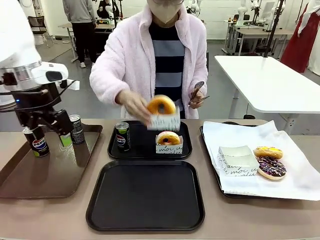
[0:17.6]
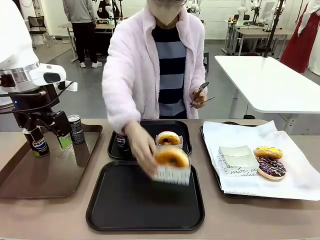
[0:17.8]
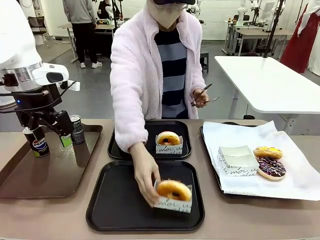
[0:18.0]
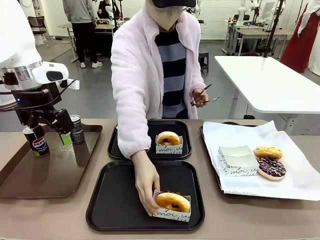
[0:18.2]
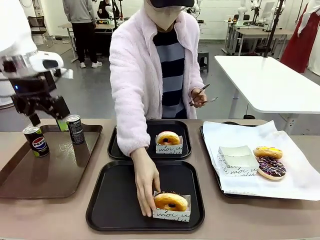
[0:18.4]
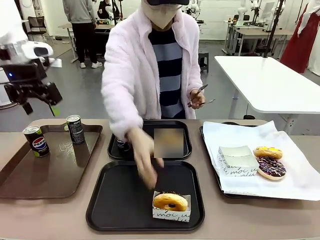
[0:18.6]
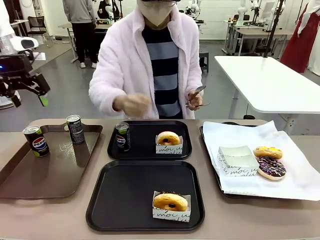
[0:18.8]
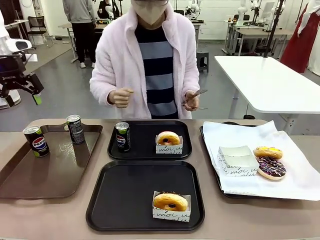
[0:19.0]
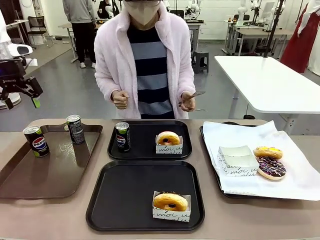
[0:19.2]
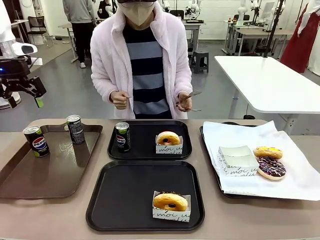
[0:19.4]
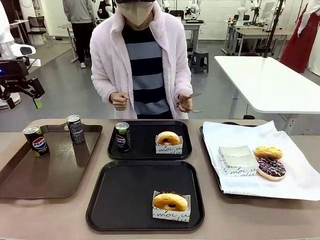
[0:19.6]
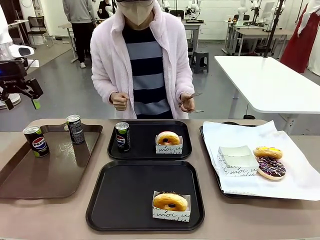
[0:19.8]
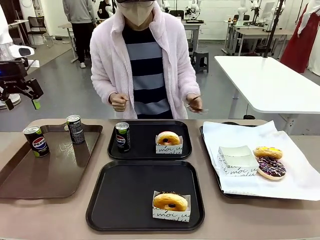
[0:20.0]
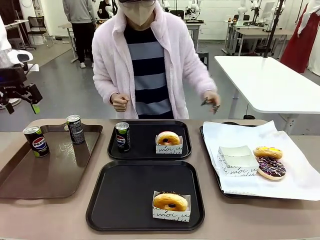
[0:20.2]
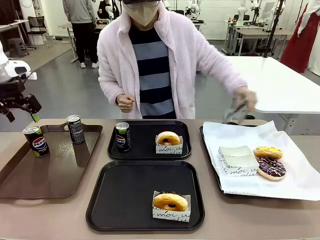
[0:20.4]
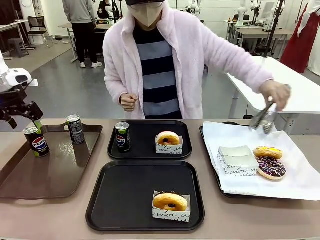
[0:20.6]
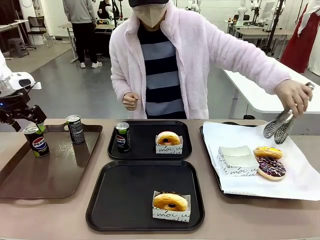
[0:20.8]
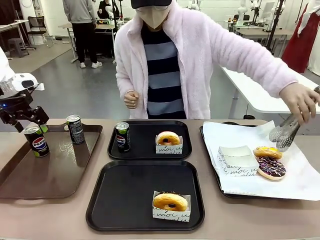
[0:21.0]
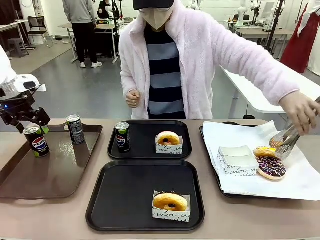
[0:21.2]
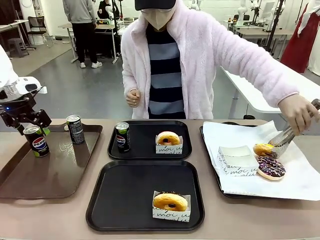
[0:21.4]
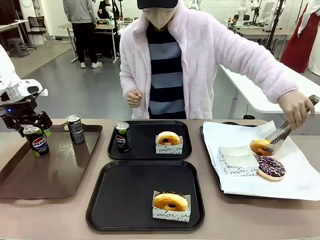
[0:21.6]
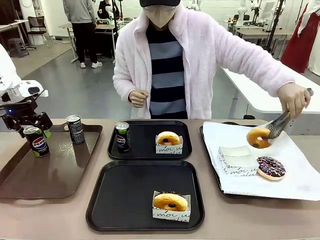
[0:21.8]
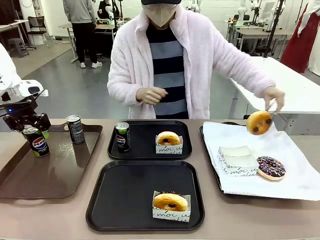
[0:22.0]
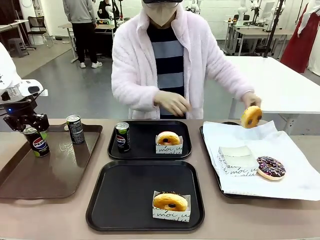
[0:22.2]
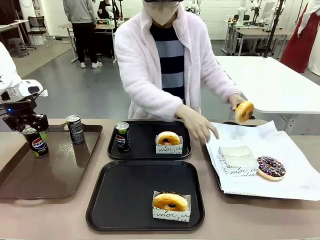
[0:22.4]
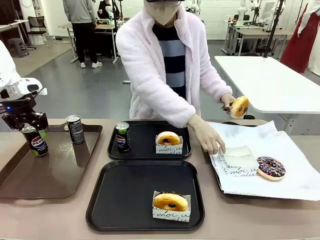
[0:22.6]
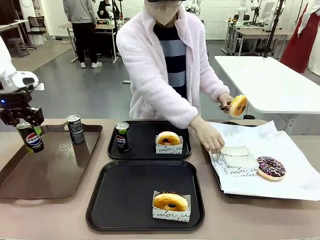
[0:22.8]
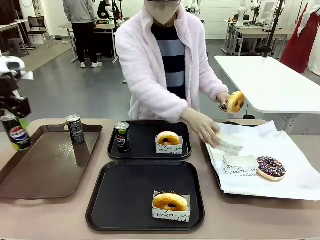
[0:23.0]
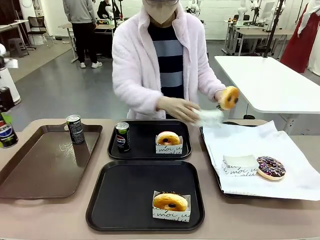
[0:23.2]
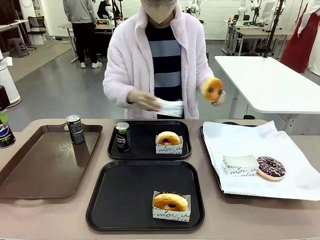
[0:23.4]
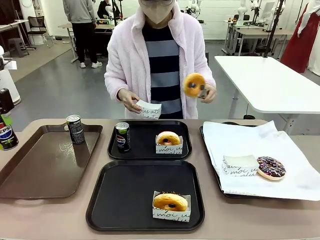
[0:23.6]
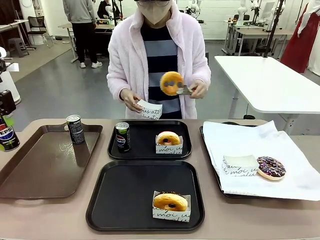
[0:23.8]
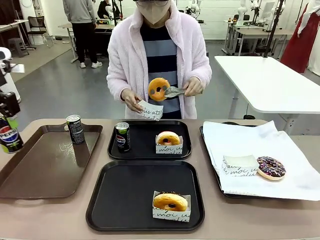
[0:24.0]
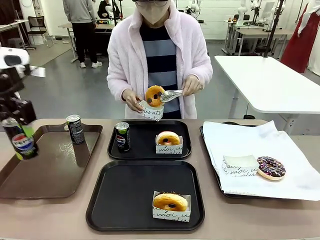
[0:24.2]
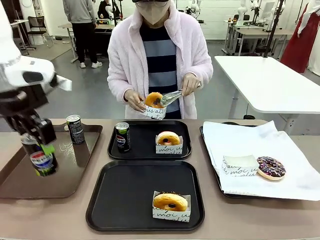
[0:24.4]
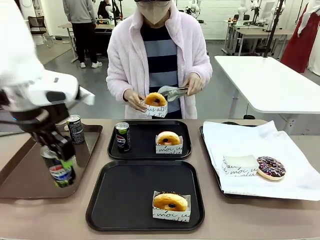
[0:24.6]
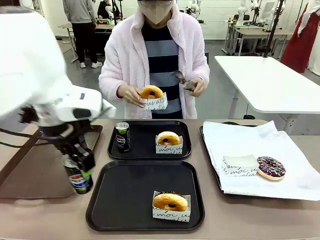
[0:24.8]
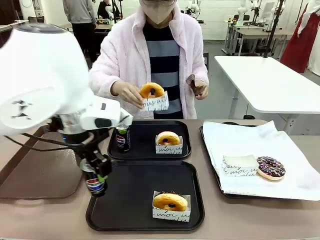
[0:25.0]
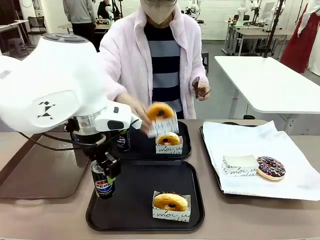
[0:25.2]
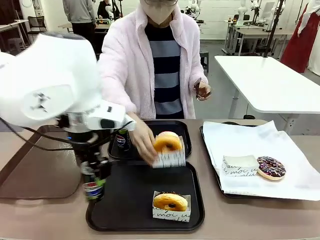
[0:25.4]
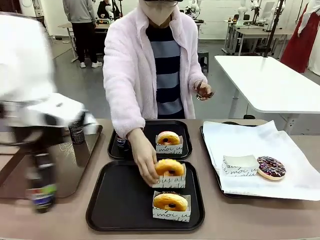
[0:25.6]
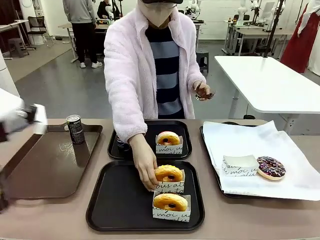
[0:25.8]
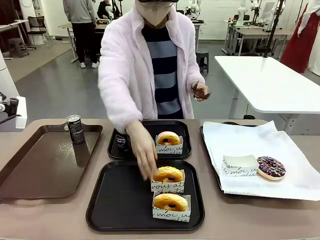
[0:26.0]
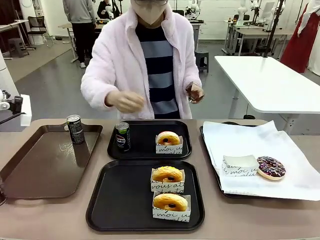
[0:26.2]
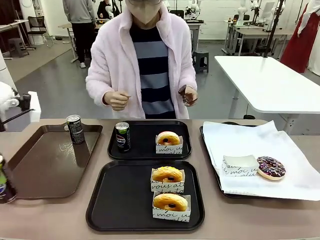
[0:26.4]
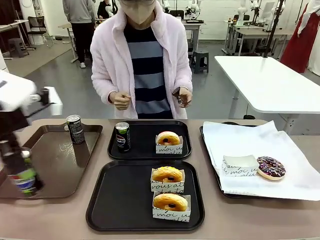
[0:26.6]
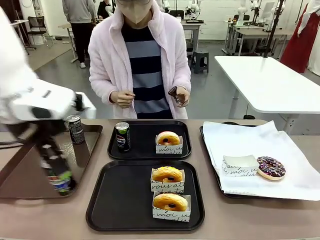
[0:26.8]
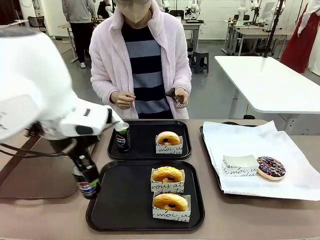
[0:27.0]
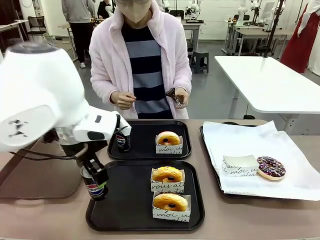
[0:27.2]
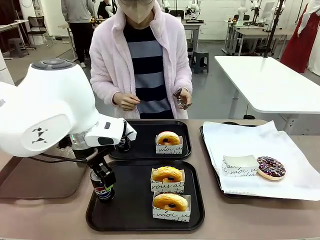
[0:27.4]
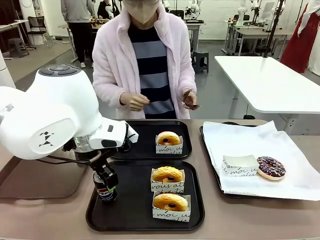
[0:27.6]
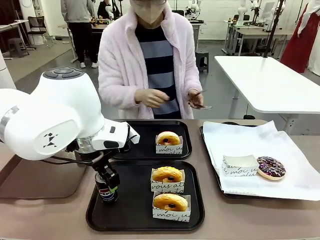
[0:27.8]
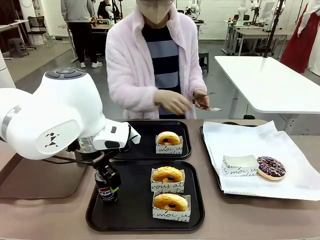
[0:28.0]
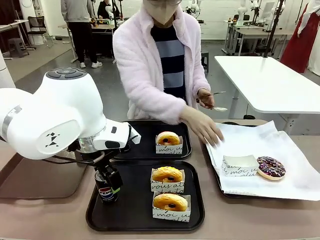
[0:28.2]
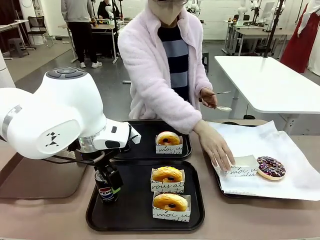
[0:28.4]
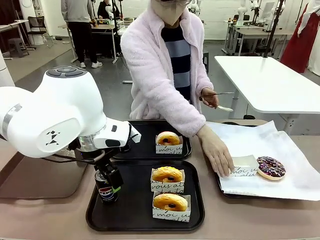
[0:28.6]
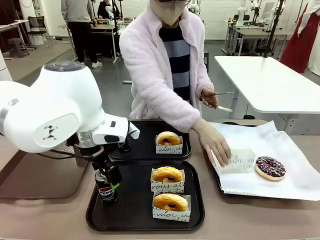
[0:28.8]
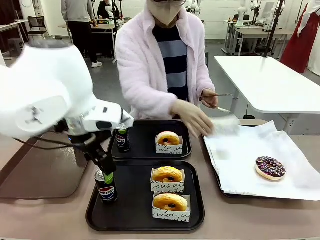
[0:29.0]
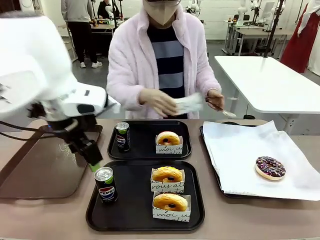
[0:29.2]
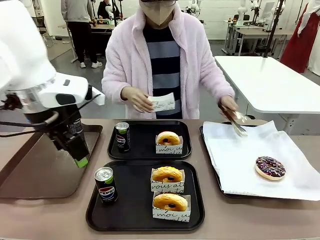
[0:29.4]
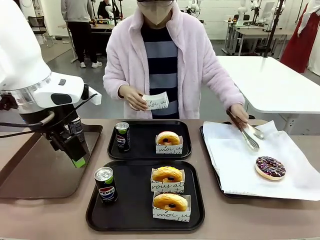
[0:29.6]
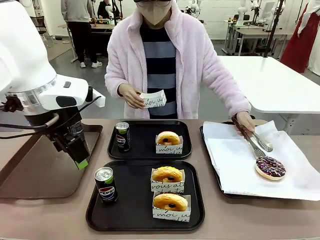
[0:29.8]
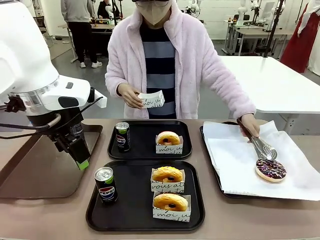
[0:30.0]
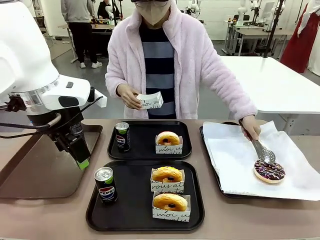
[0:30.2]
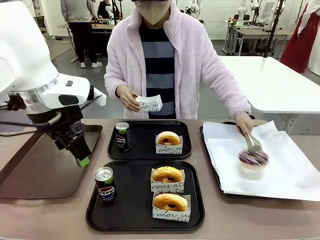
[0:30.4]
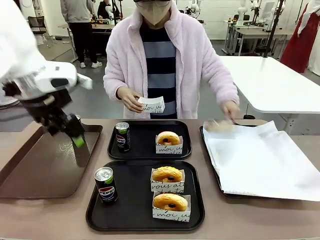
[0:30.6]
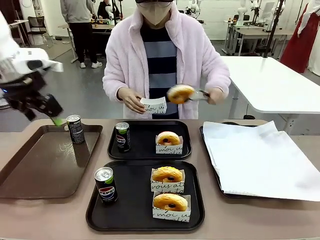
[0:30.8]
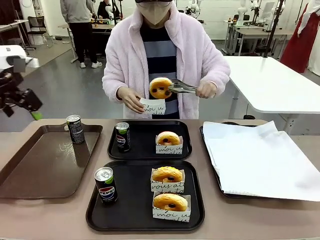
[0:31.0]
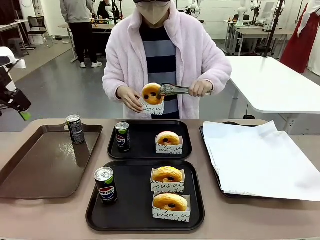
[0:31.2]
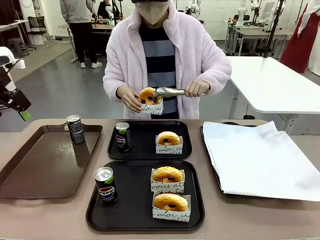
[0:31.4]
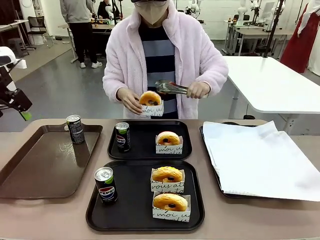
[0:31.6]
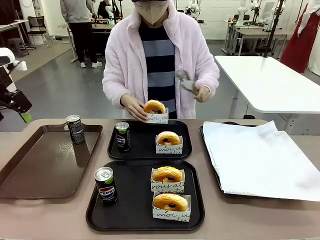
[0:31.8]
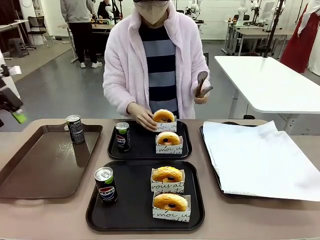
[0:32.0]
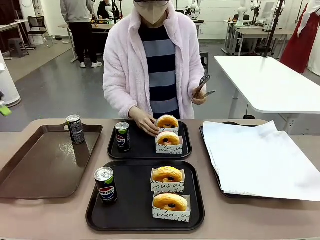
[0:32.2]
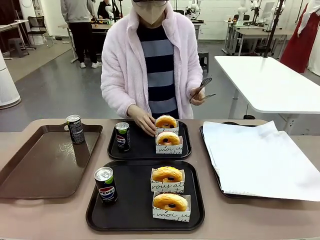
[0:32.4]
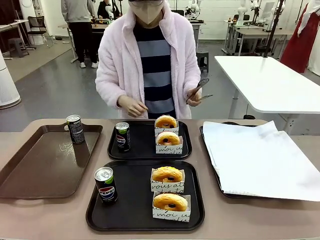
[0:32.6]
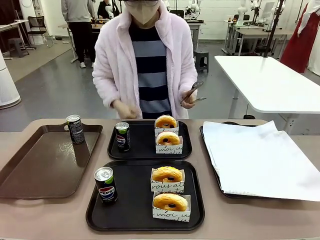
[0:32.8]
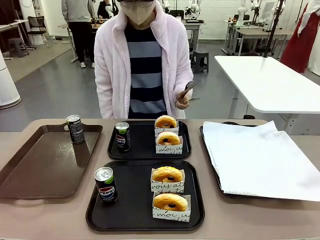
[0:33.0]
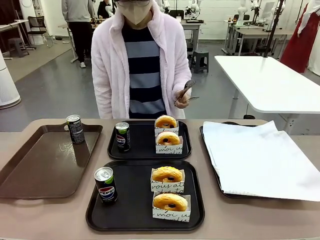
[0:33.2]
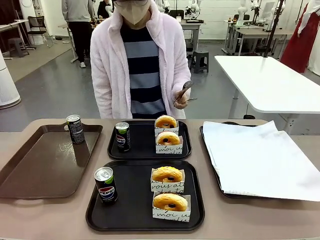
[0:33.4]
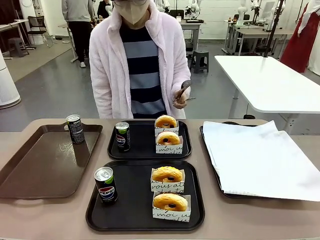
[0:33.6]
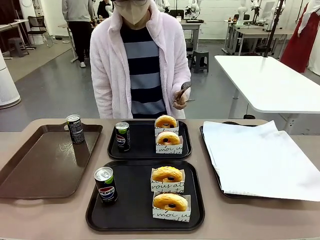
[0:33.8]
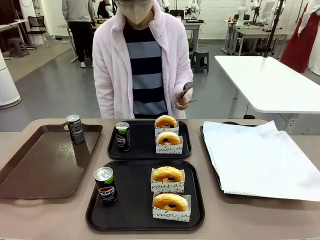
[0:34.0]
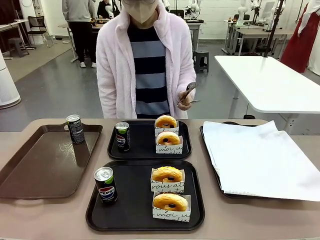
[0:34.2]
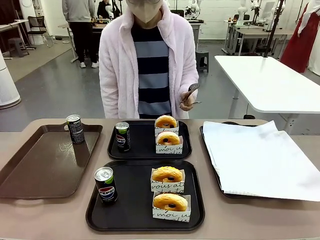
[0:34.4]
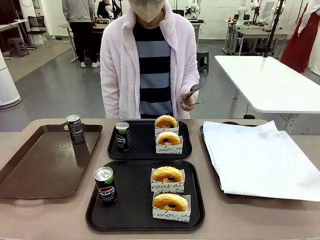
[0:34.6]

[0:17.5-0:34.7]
Task: Set up donuts and drinks on trays.
Robot: Pick up one Pepsi coke from the Handle tray and place it on the Flat Tray without a Pepsi coke.

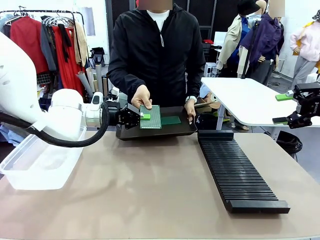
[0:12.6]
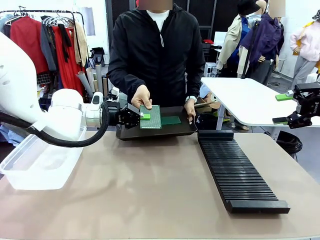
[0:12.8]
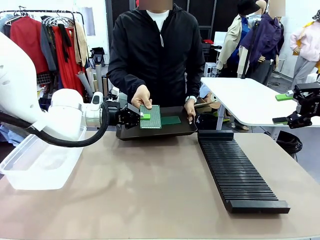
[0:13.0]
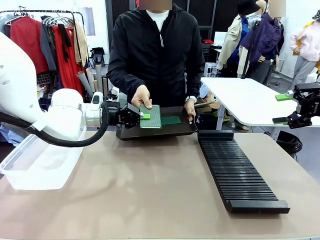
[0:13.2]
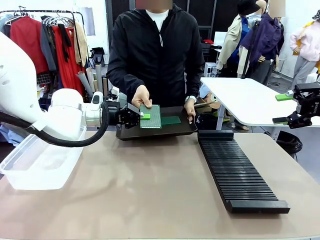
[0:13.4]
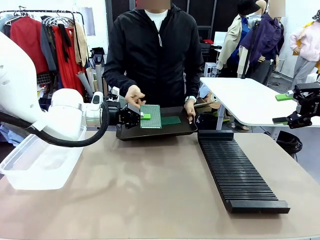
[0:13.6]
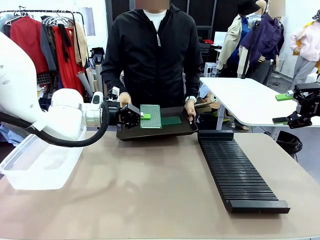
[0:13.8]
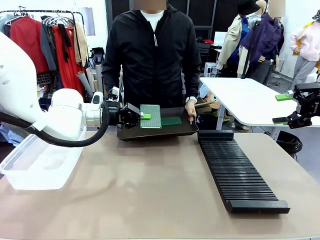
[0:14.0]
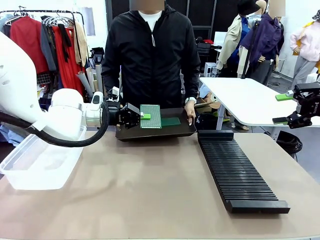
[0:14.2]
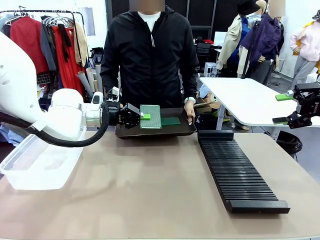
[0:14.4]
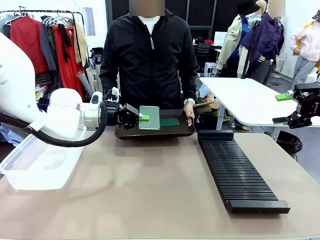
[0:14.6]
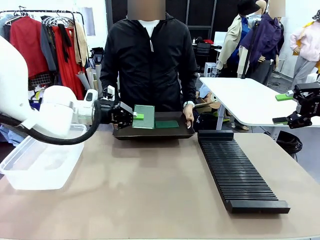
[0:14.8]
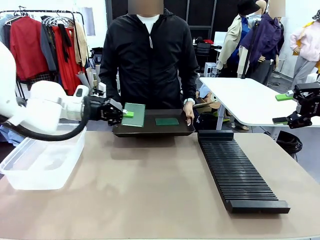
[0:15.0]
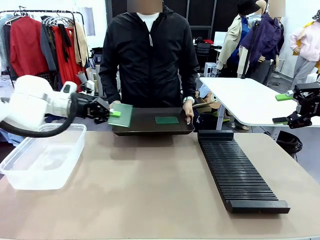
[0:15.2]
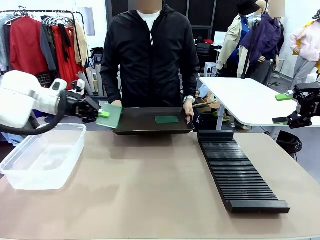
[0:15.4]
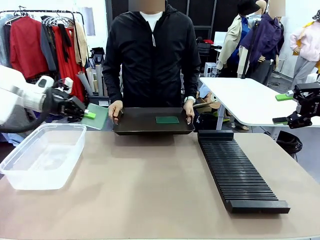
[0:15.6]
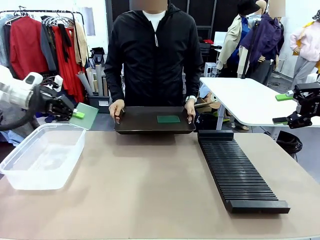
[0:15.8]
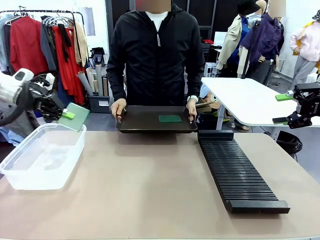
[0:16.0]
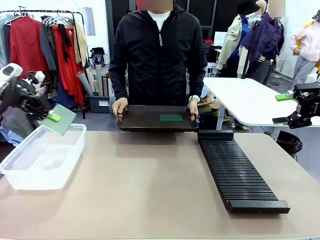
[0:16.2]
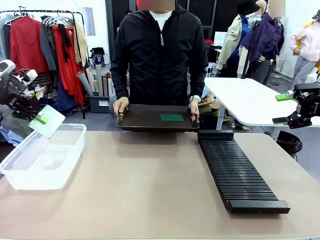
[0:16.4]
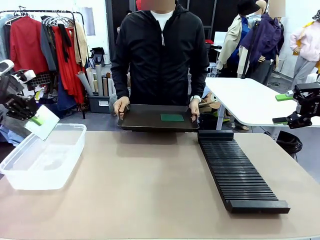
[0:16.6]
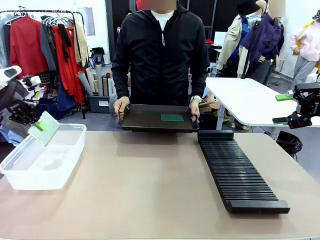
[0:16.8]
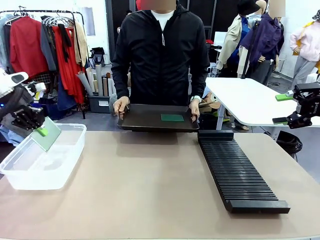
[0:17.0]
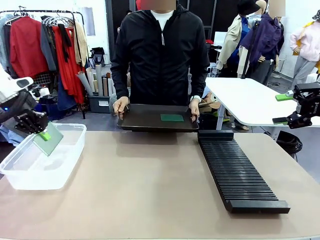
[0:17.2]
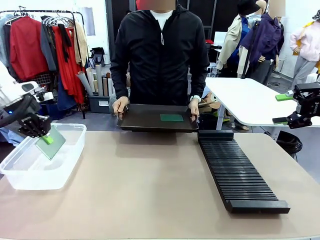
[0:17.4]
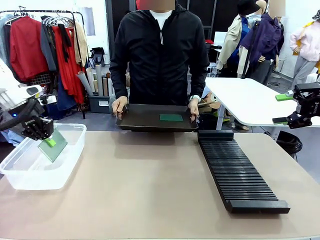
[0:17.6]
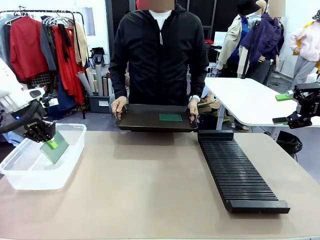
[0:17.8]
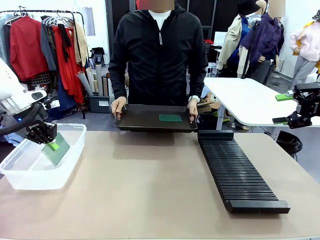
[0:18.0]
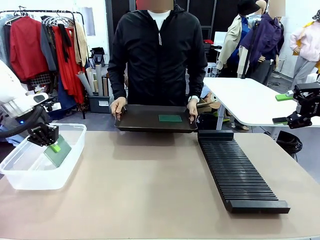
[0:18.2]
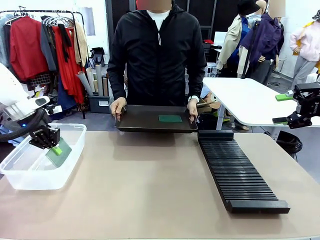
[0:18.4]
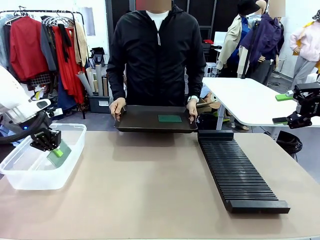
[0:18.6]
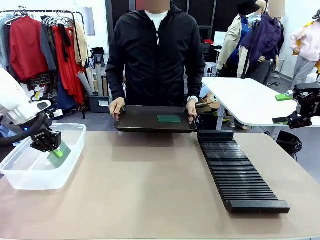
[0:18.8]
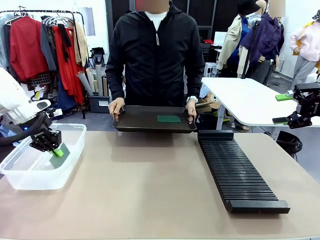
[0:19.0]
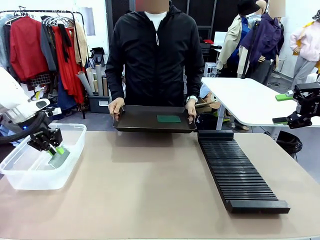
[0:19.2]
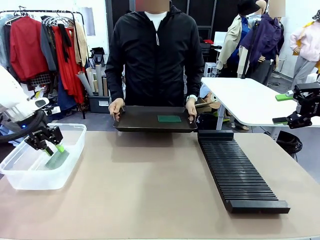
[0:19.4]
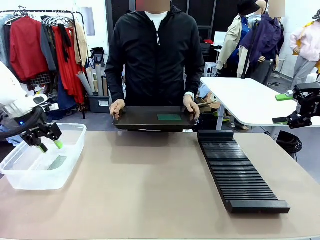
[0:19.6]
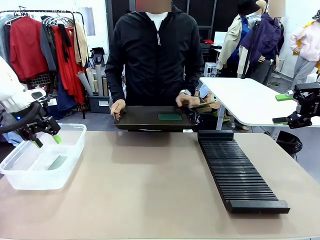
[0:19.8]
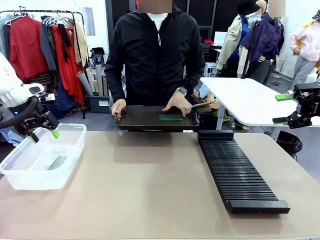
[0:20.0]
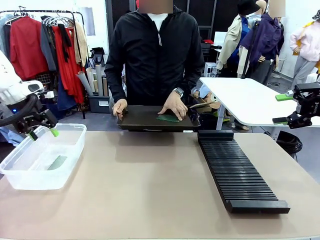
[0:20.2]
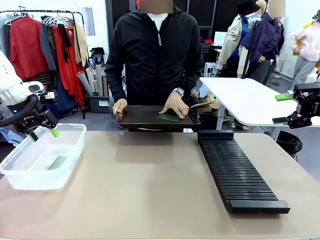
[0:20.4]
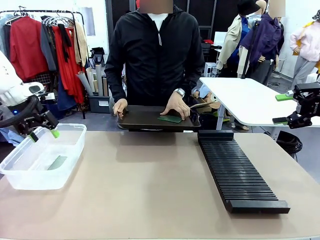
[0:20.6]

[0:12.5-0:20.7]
Task: Sort PCBs into racks and boxes based on the side picked up.
Robot: If the short side of the Blank PCB is picked up, insert it into the PCB Rack ; if the long side is picked up, place it in the Organizing box.
Person: Pick one PCB from the tray and present it to the robot.
